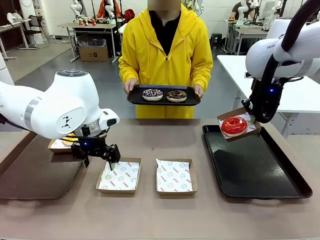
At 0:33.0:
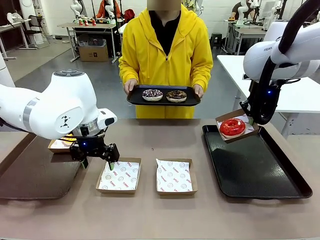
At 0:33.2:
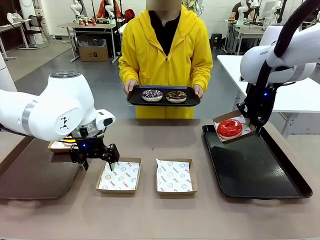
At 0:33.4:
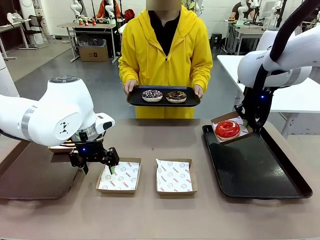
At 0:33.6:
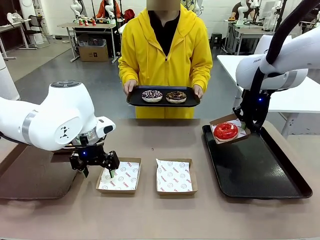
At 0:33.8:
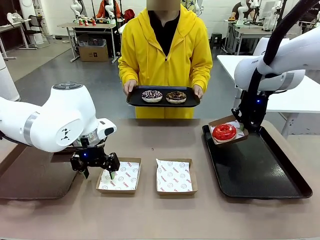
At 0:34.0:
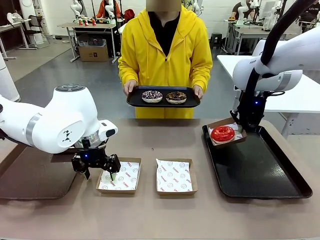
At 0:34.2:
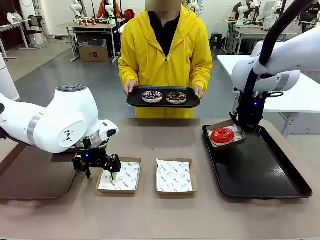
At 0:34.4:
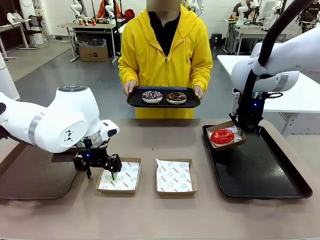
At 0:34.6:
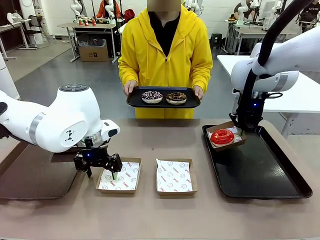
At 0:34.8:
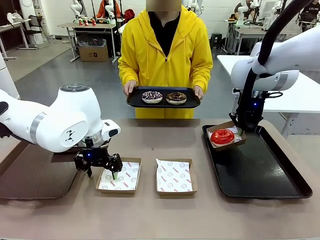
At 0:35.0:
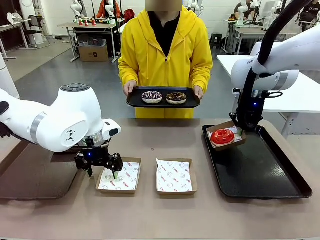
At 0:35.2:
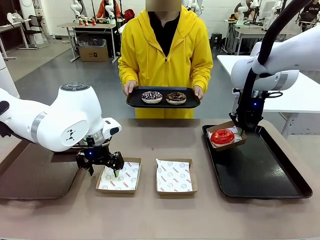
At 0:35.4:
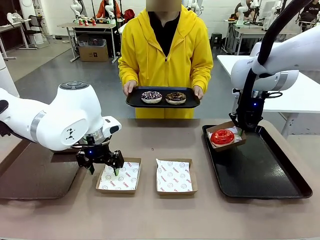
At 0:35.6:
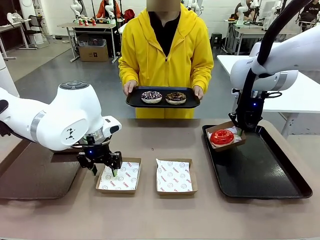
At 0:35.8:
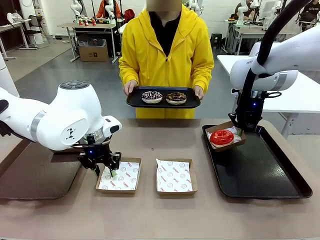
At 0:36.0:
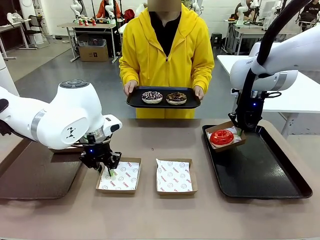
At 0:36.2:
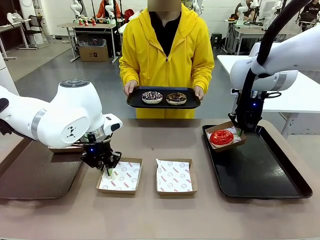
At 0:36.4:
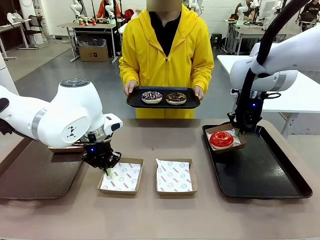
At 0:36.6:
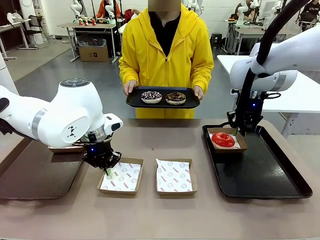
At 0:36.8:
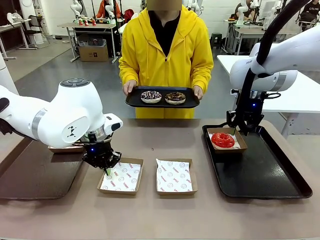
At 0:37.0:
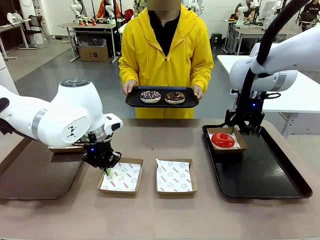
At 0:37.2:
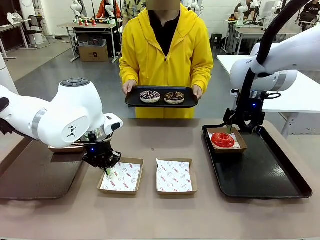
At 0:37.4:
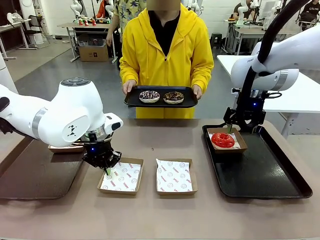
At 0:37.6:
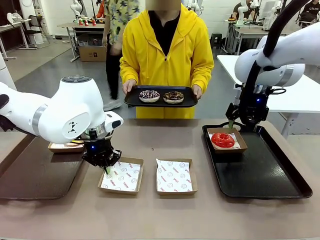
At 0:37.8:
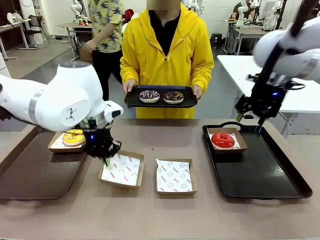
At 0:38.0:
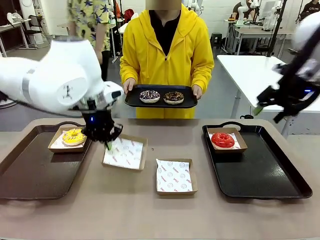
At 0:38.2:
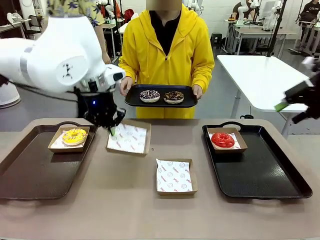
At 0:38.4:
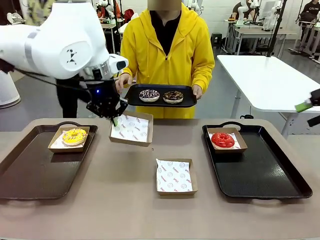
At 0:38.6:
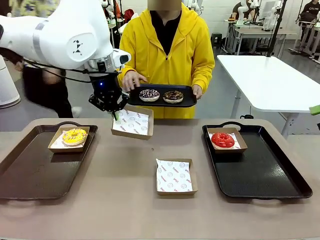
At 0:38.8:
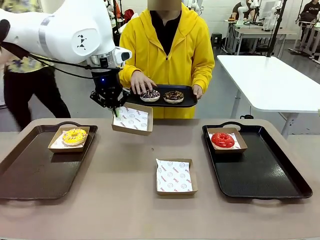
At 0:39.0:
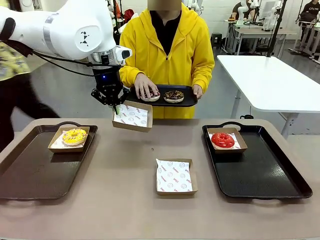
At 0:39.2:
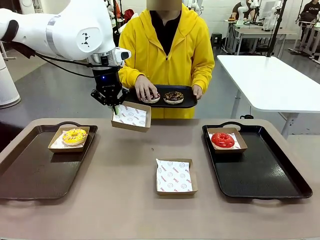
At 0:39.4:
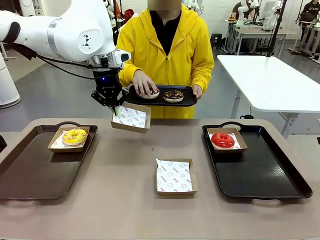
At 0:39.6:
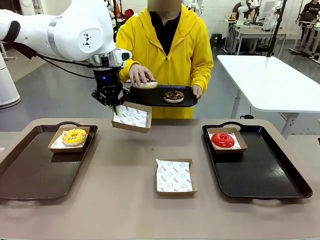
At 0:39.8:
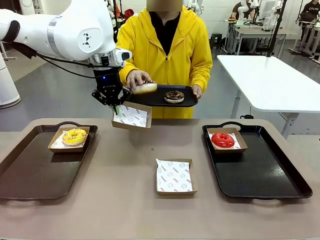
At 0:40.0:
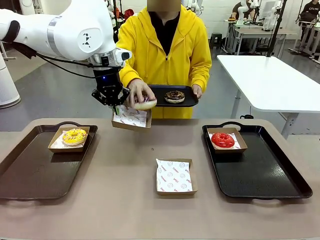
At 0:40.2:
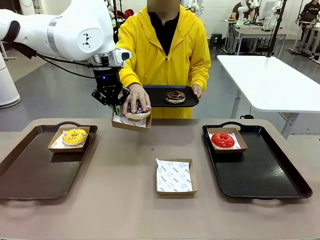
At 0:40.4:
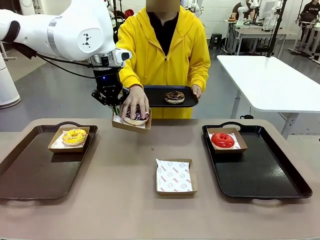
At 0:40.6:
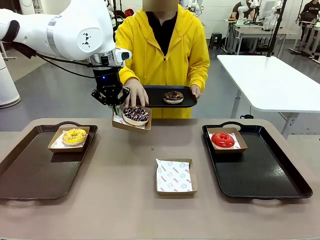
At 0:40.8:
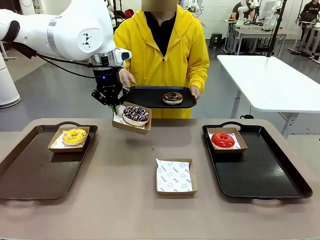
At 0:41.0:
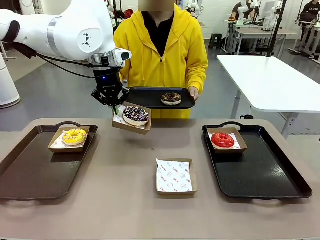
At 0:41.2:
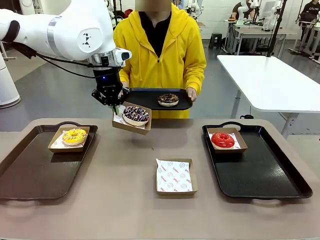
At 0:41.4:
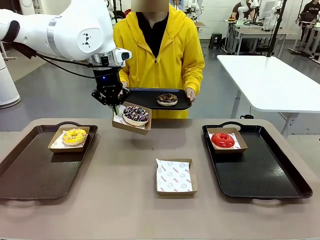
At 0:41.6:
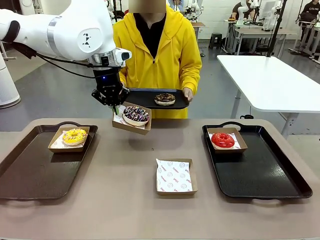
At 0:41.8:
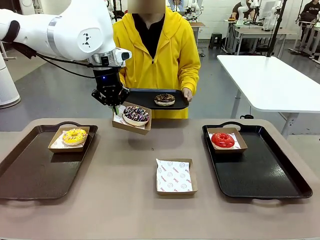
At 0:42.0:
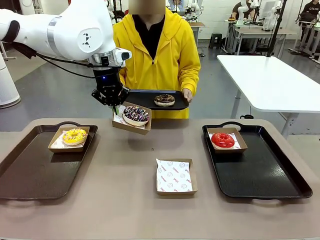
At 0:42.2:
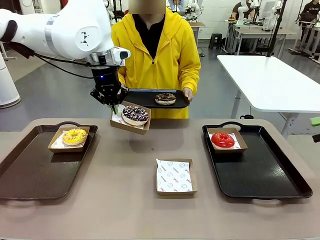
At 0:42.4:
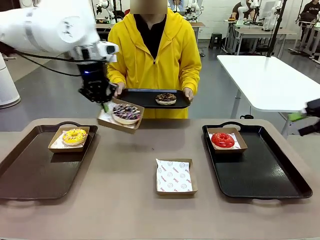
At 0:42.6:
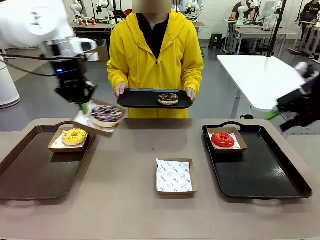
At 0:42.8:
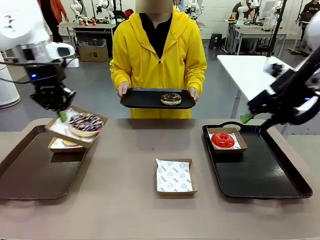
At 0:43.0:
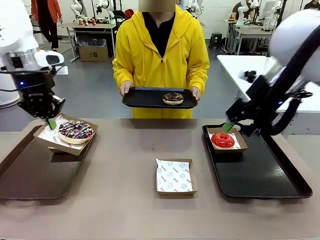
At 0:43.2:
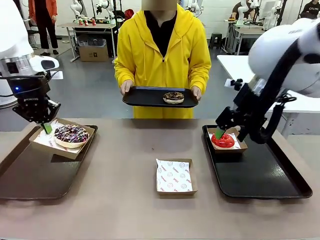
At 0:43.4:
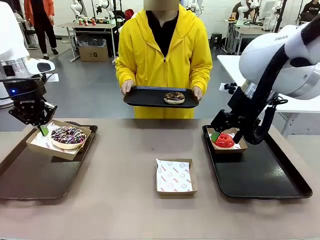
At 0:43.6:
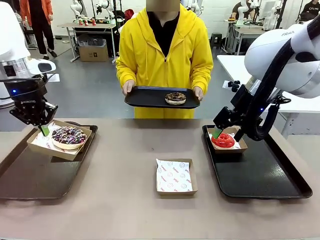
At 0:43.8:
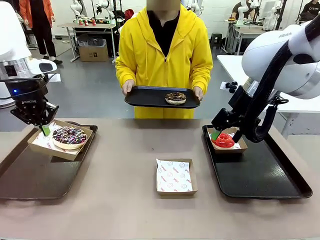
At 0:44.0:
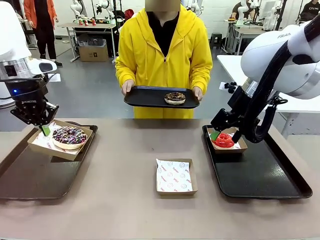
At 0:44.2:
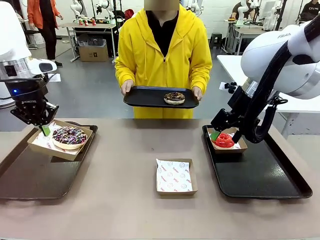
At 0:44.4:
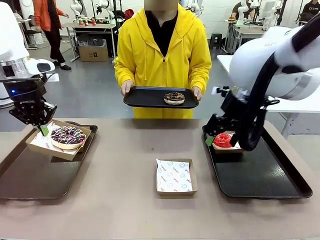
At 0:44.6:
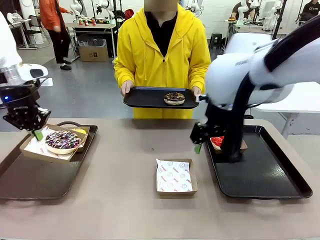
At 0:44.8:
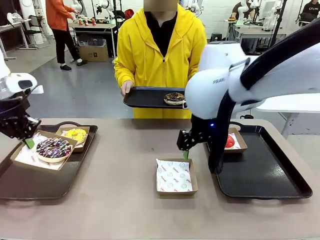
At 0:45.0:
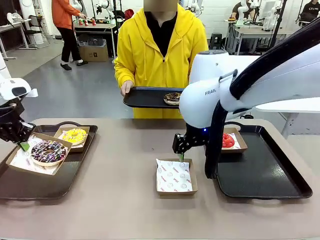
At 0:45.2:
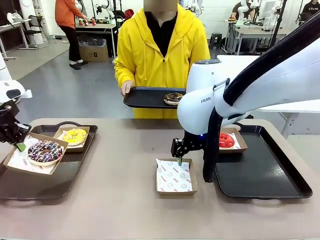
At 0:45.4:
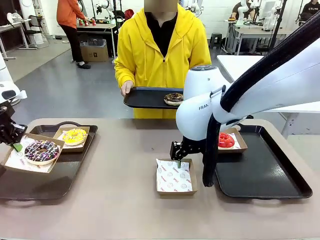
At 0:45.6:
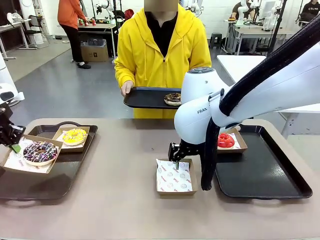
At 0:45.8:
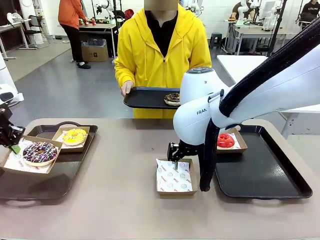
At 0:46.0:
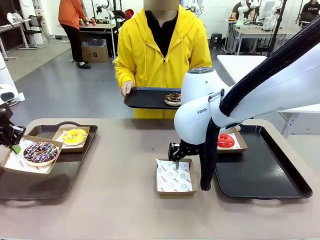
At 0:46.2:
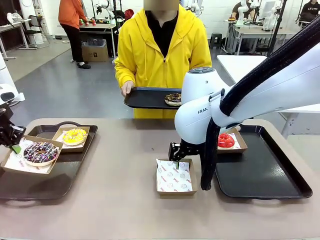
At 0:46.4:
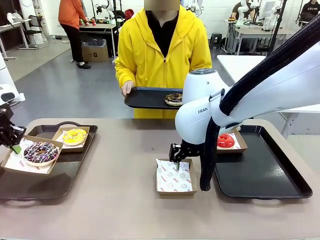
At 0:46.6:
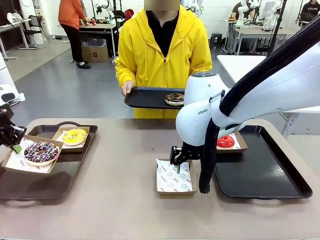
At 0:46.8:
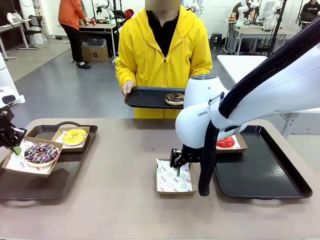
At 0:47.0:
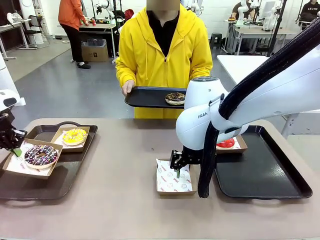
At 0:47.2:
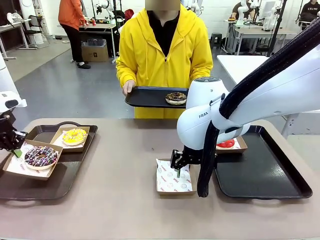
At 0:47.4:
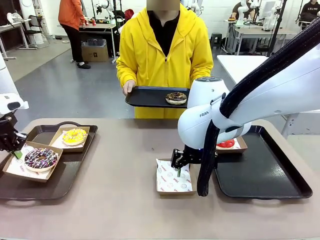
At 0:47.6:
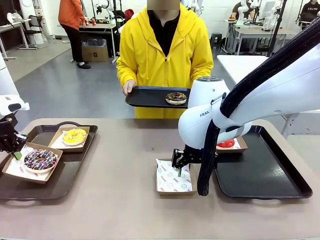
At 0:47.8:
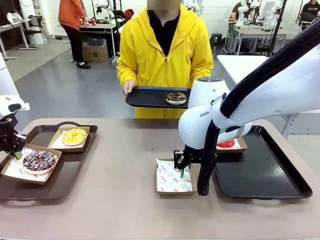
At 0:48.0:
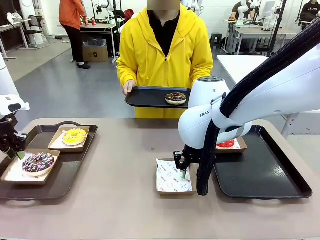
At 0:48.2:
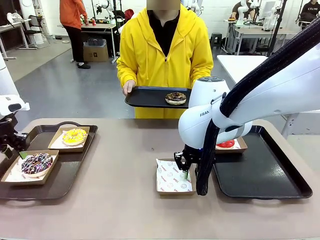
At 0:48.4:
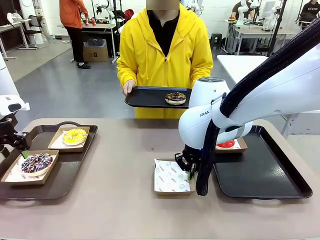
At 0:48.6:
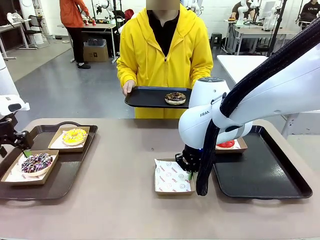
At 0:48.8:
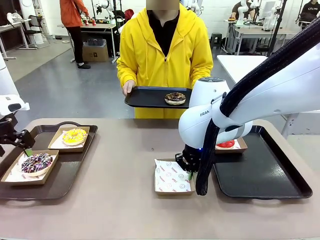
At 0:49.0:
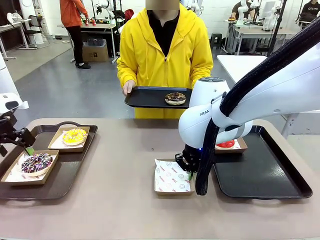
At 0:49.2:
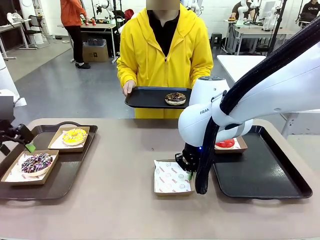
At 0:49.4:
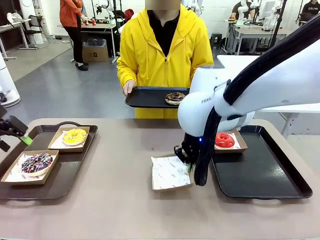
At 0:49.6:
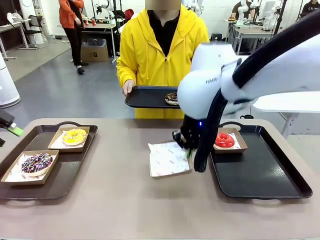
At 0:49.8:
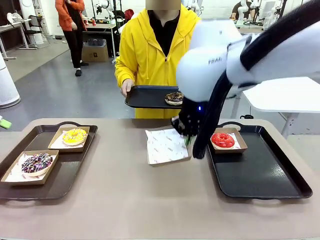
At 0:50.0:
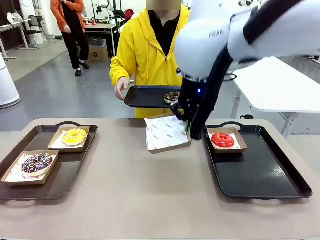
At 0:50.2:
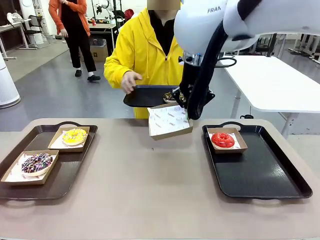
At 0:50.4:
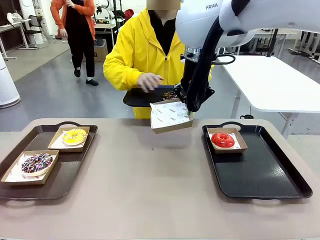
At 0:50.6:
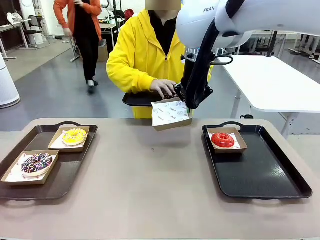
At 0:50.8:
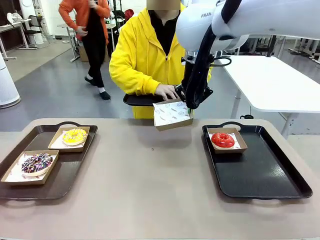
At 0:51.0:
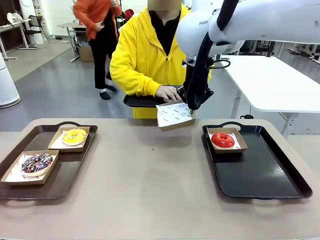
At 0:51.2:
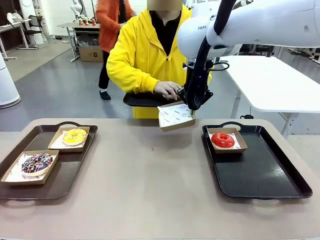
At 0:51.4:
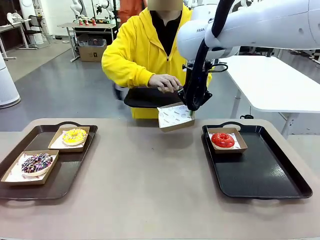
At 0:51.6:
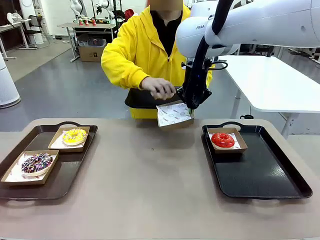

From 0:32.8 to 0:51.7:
Task: Individually package the donuts and arrange them on the tray.
Robot: Place the picked Paper togo box on the Handle tray while simultaneously picking up another Paper togo box from the table with the other hand.
